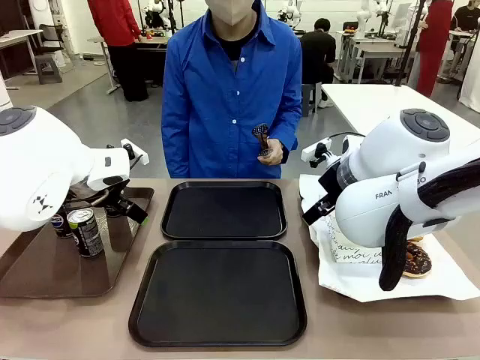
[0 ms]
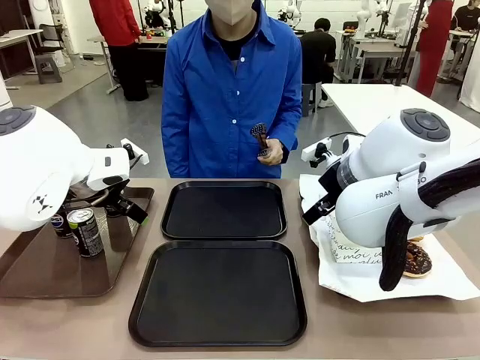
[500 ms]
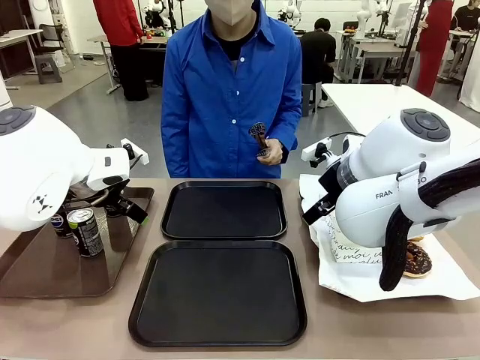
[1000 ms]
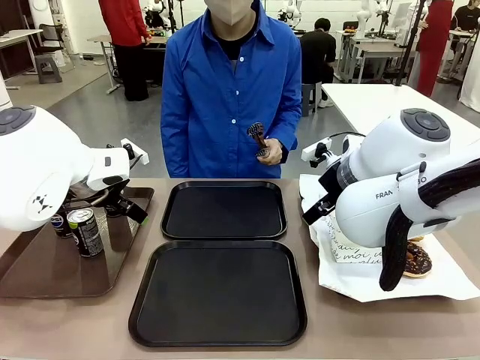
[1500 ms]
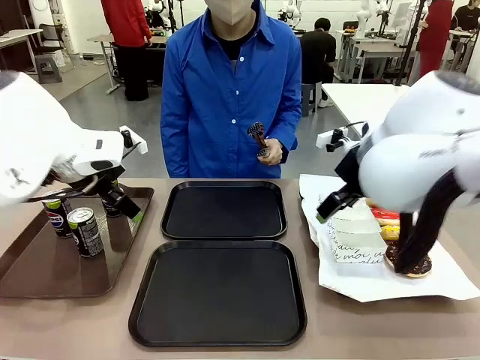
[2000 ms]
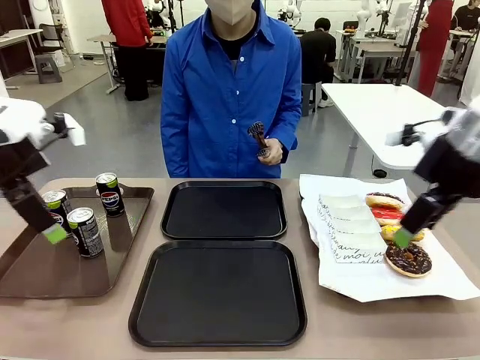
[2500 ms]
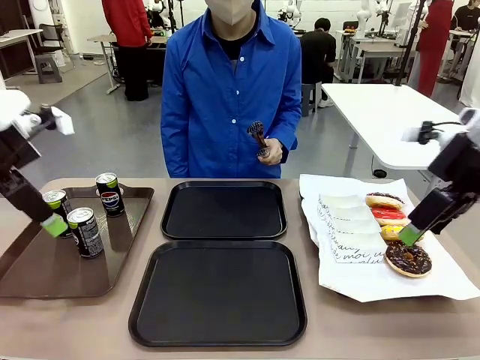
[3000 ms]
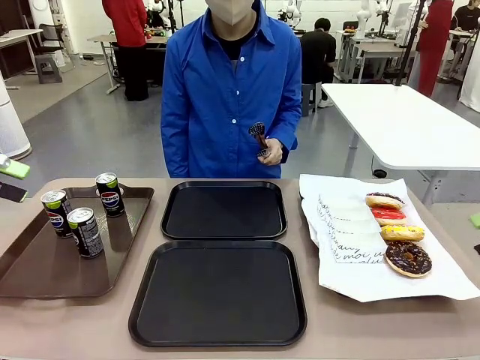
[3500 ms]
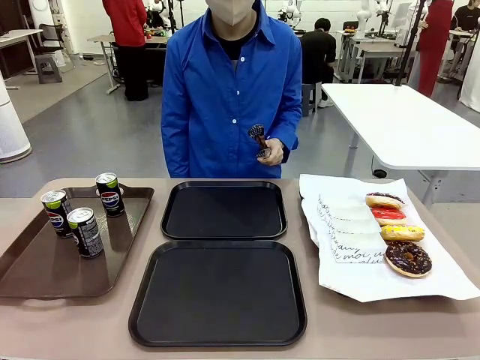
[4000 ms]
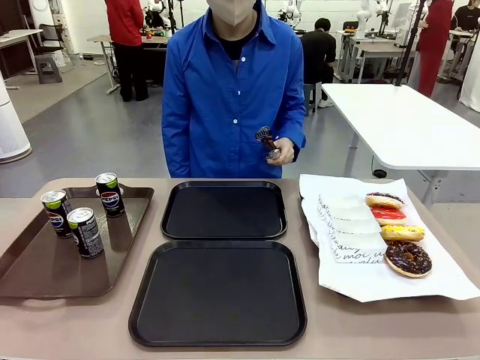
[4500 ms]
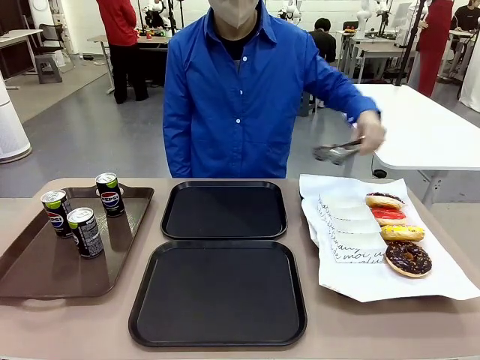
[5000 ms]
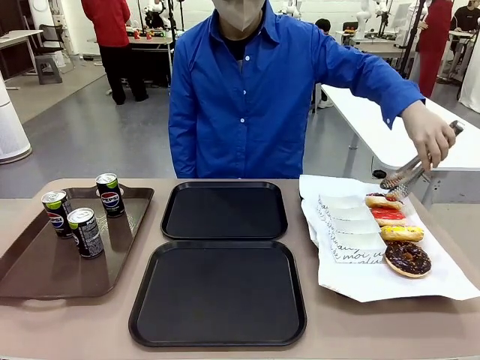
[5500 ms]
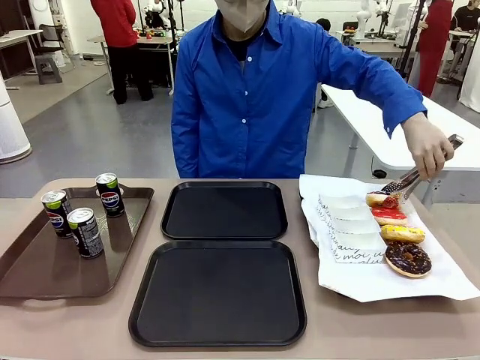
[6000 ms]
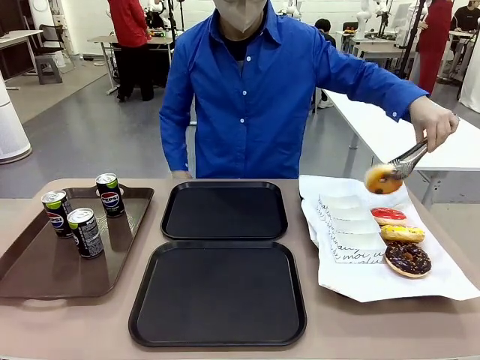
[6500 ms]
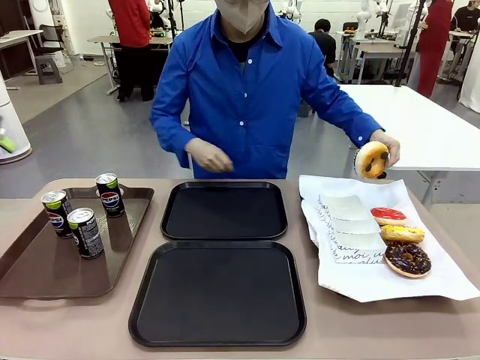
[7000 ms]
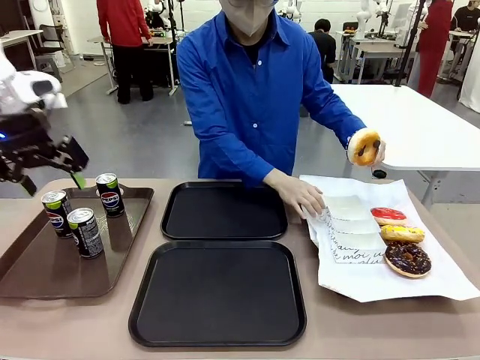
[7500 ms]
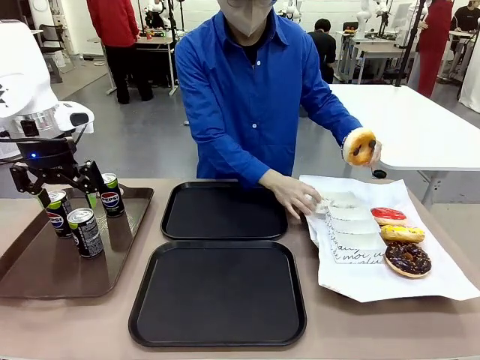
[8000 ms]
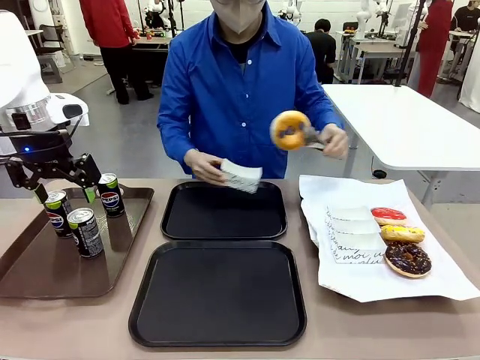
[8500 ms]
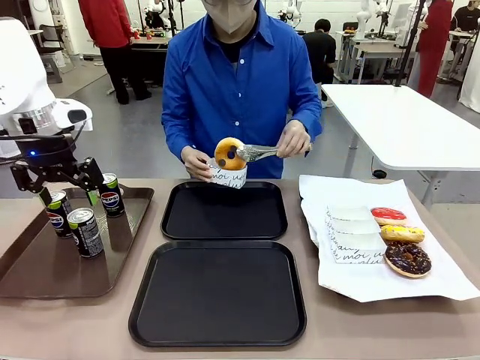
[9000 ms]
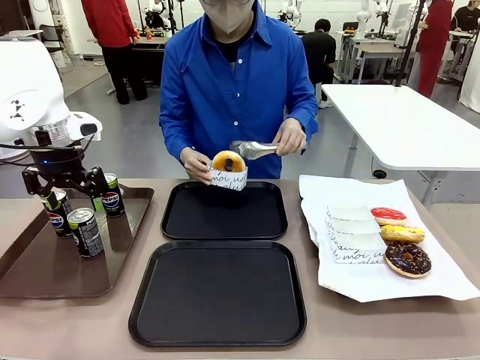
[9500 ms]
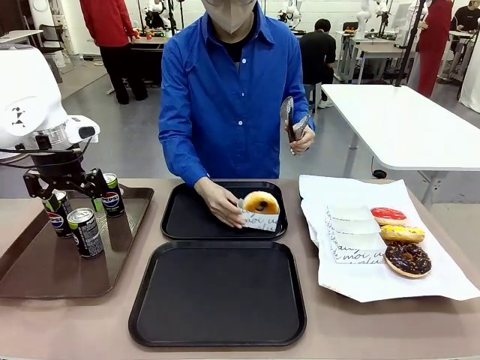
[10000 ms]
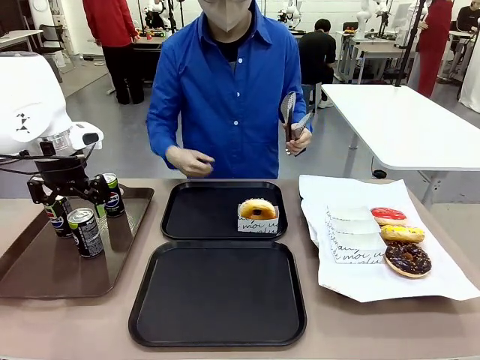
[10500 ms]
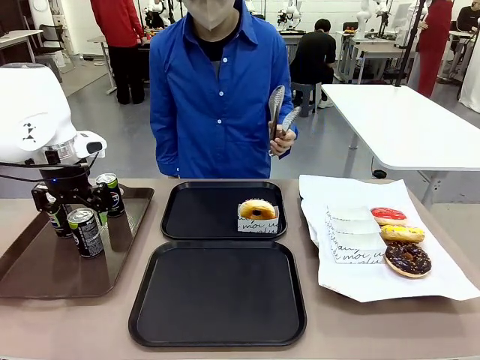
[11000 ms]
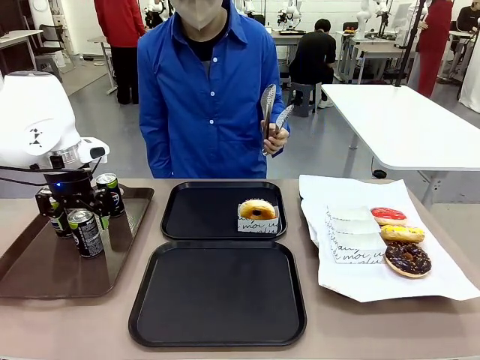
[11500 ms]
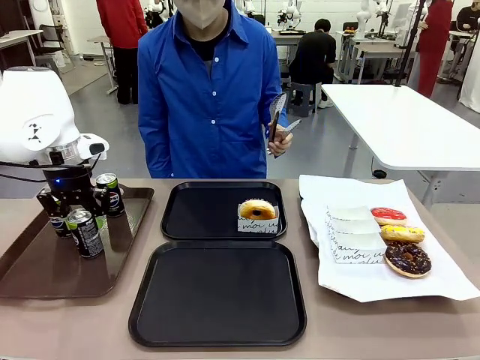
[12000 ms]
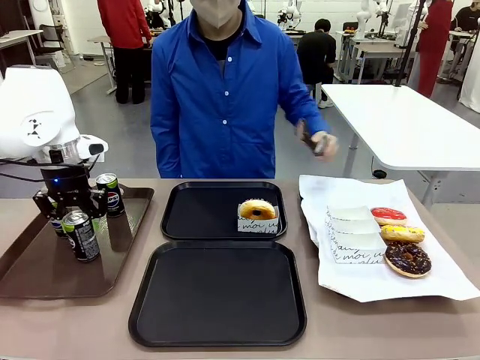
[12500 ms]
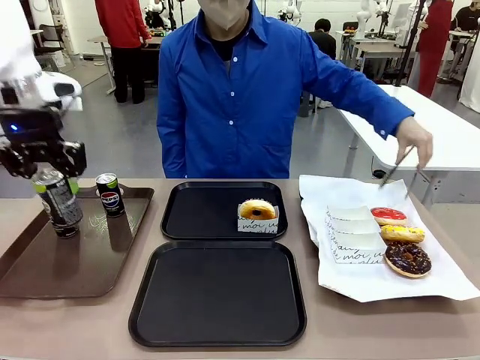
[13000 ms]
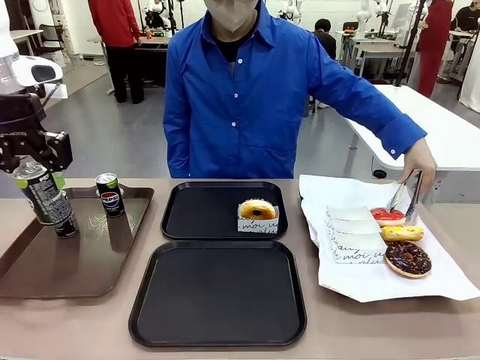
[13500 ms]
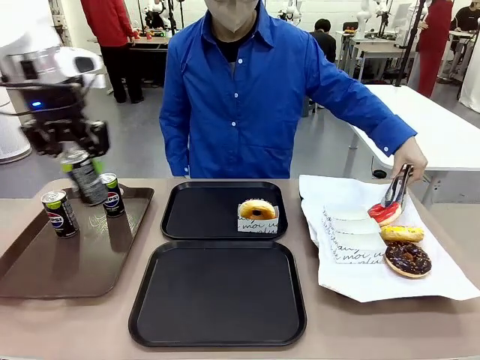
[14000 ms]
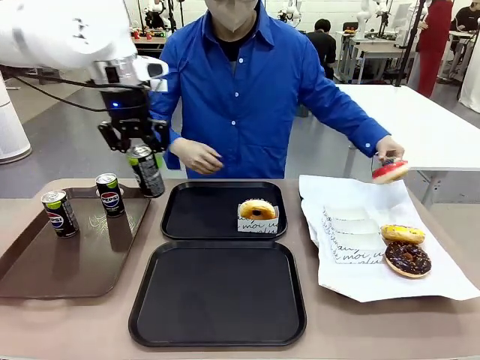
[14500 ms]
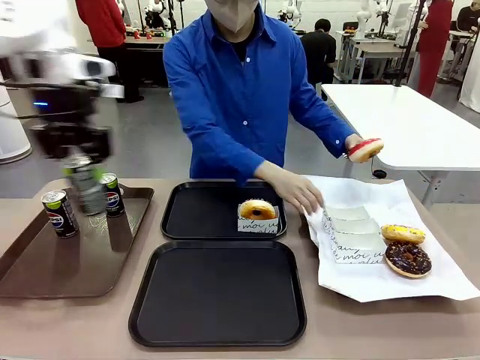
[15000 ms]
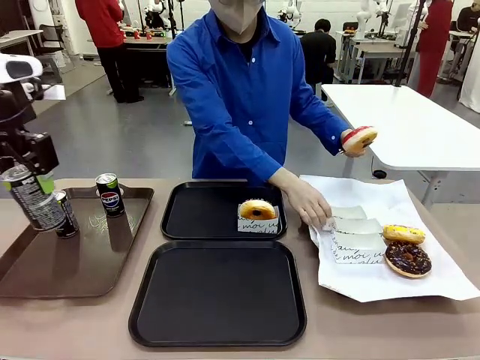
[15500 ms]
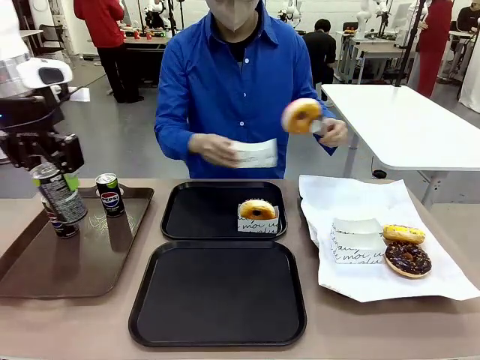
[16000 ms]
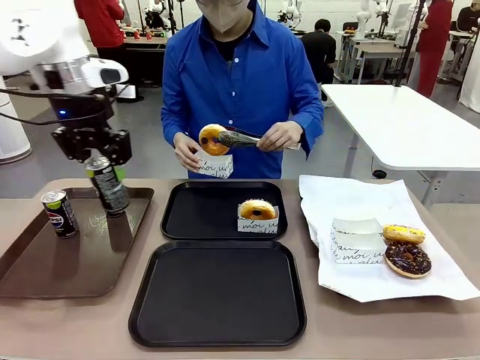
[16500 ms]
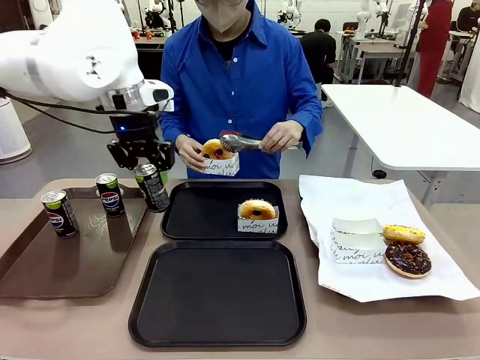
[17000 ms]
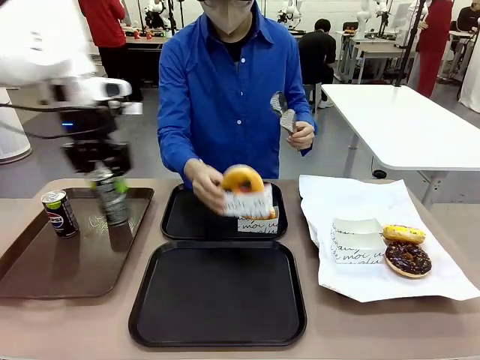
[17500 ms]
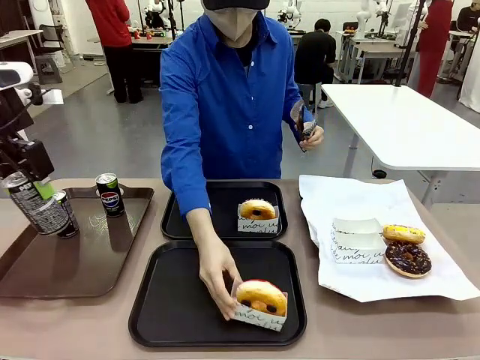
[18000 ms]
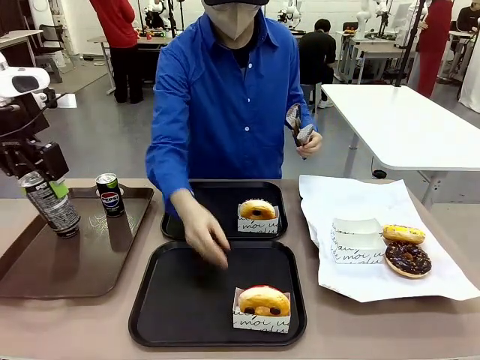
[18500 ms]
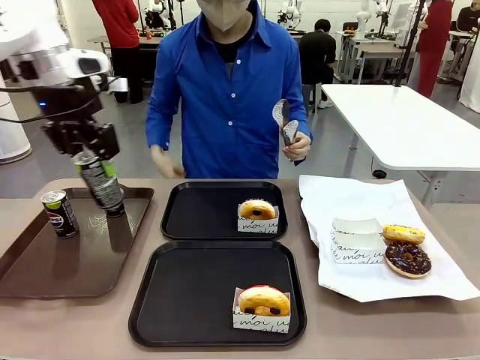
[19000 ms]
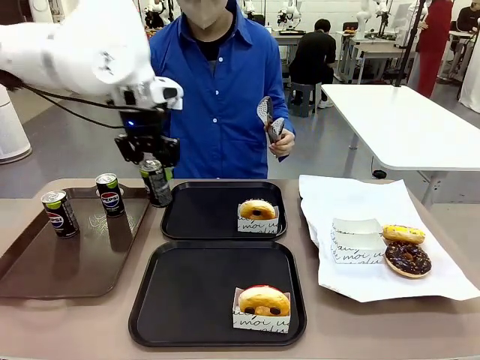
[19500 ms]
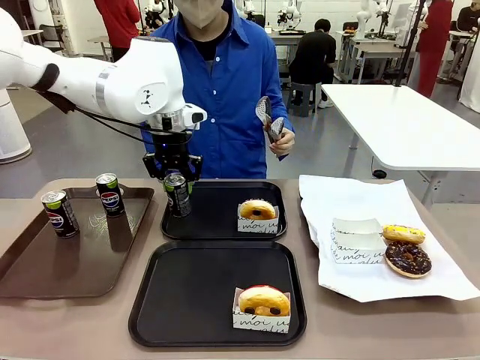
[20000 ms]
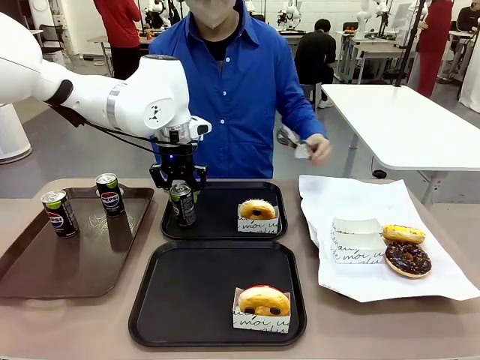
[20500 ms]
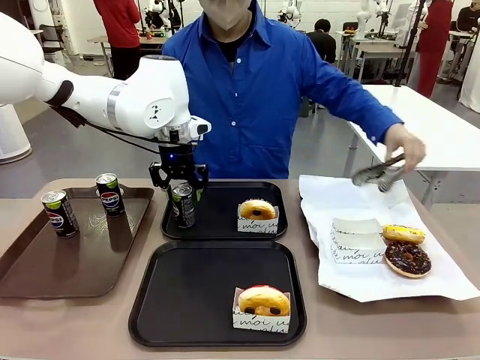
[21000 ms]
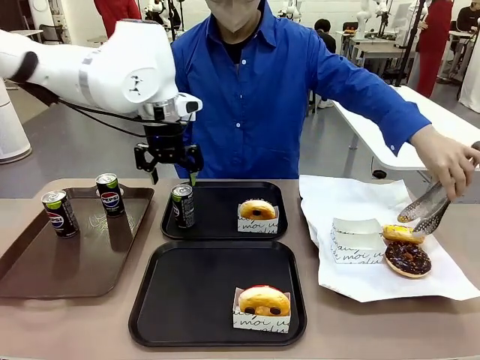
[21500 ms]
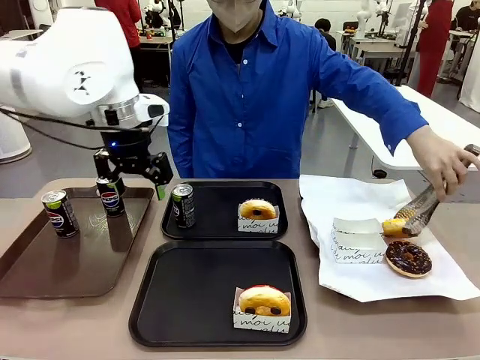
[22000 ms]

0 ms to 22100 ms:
Task: Set up donuts and drinks on trays.
Robot: Pick up one Pepsi coke and place it on the Flat Tray.
Person: Pick up one donut with tongs, place it in the donut tray, and then place the donut tray on the flat tray.
